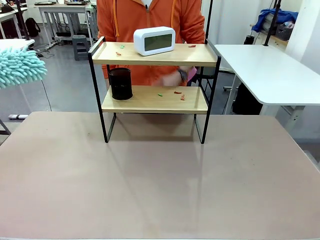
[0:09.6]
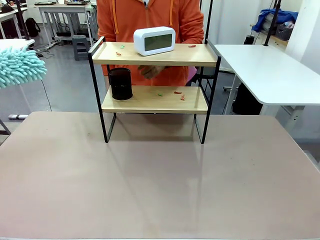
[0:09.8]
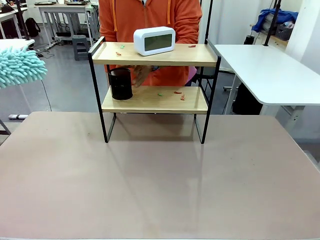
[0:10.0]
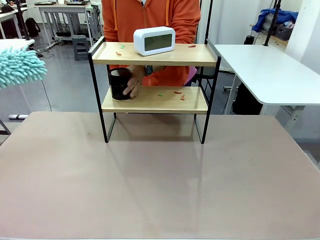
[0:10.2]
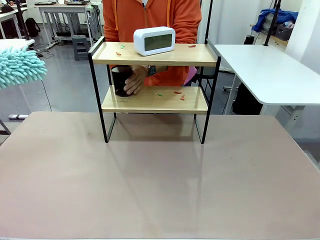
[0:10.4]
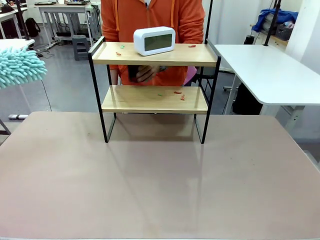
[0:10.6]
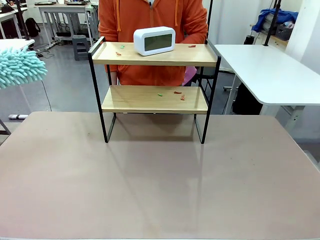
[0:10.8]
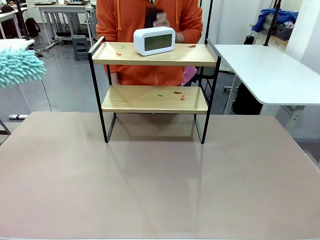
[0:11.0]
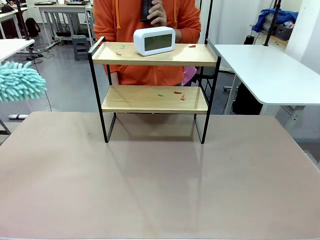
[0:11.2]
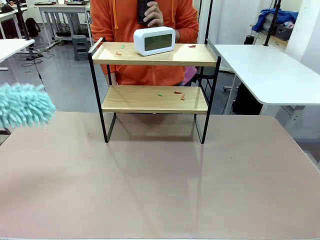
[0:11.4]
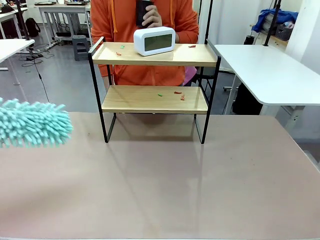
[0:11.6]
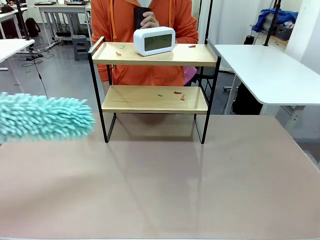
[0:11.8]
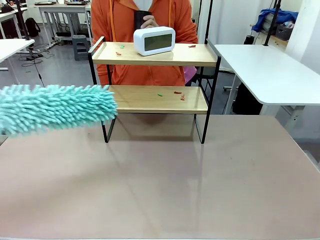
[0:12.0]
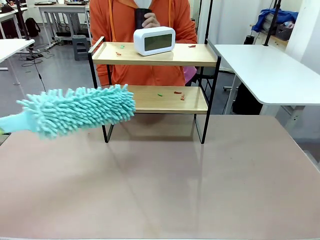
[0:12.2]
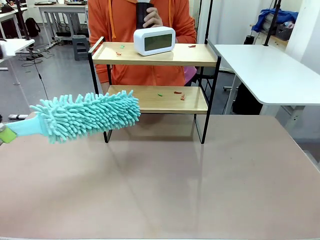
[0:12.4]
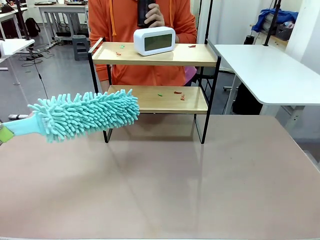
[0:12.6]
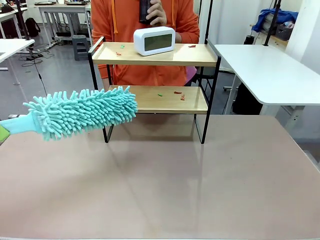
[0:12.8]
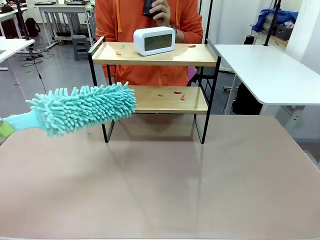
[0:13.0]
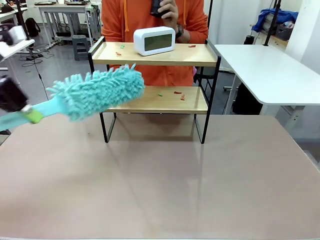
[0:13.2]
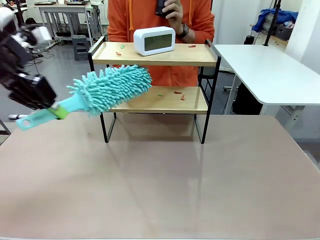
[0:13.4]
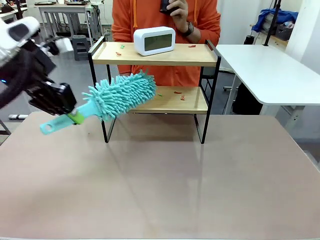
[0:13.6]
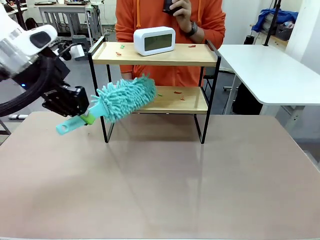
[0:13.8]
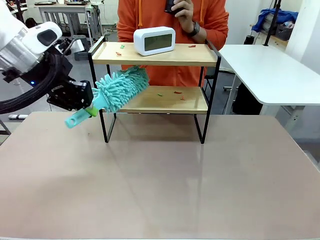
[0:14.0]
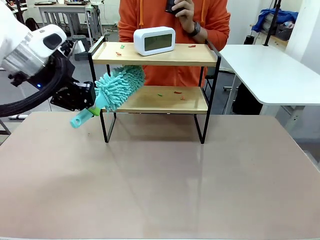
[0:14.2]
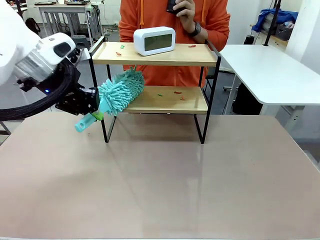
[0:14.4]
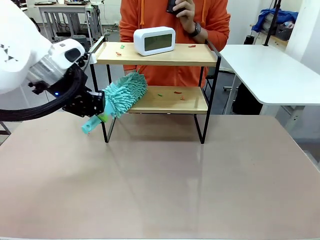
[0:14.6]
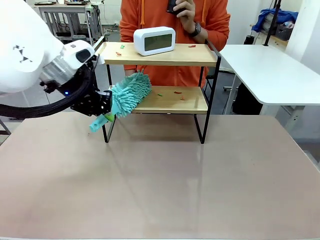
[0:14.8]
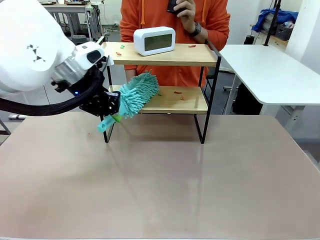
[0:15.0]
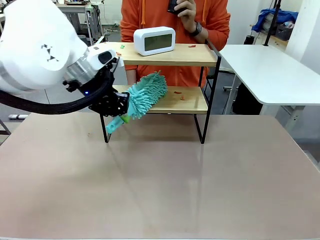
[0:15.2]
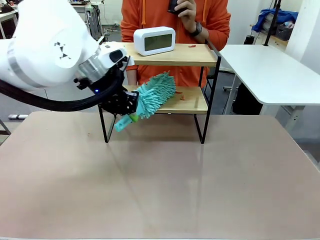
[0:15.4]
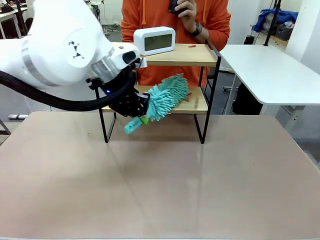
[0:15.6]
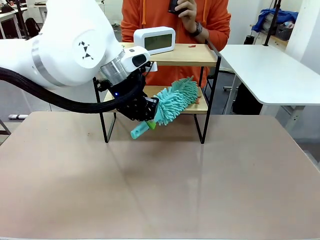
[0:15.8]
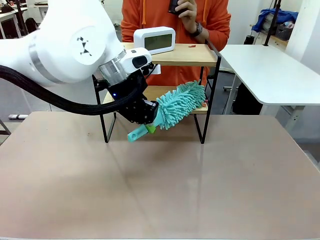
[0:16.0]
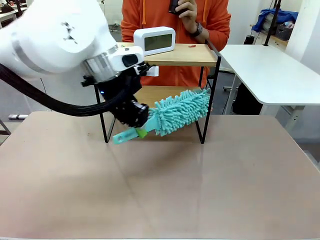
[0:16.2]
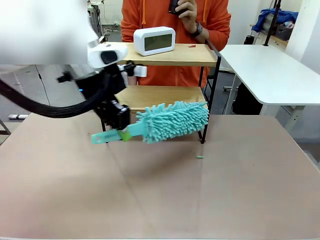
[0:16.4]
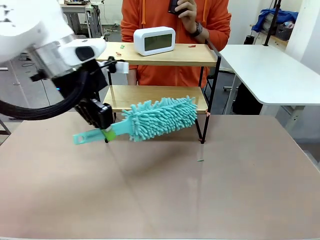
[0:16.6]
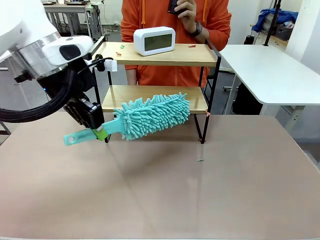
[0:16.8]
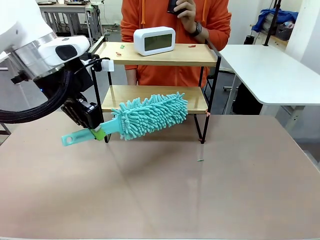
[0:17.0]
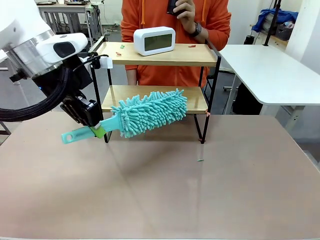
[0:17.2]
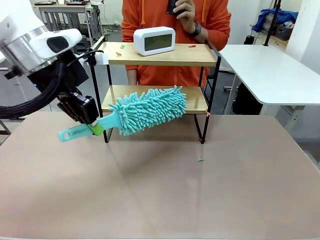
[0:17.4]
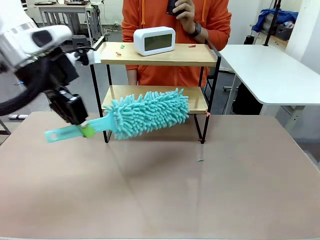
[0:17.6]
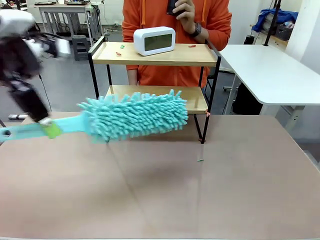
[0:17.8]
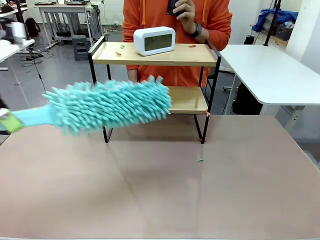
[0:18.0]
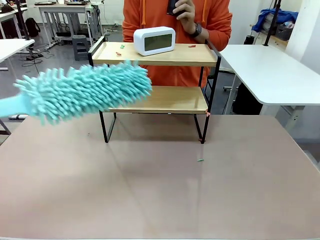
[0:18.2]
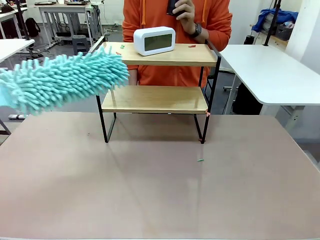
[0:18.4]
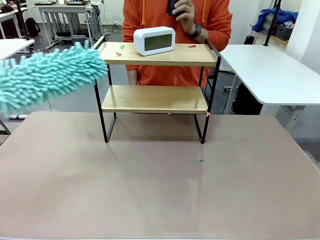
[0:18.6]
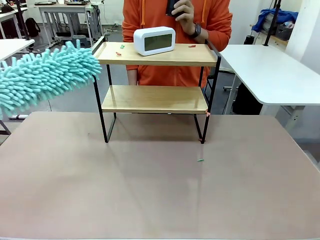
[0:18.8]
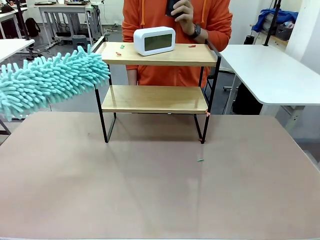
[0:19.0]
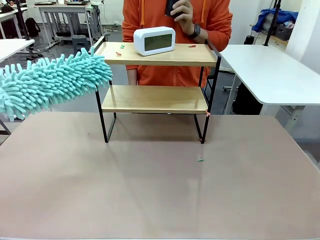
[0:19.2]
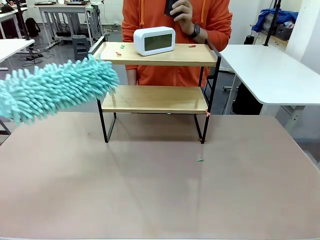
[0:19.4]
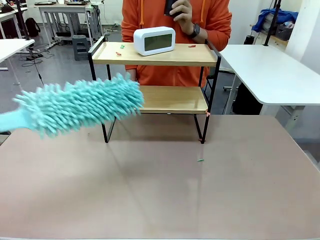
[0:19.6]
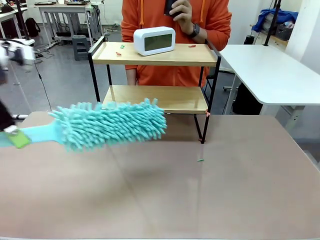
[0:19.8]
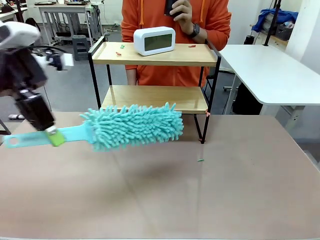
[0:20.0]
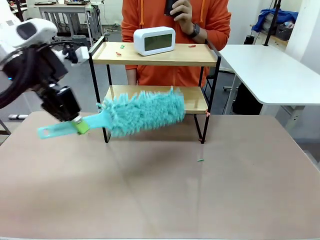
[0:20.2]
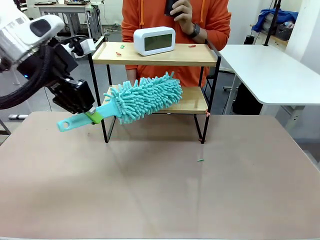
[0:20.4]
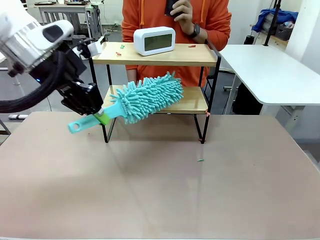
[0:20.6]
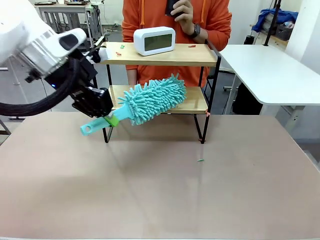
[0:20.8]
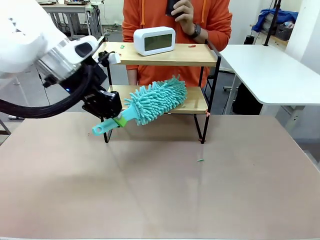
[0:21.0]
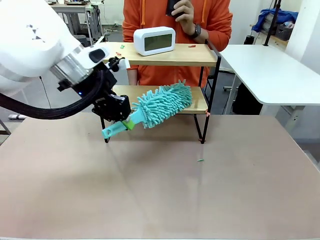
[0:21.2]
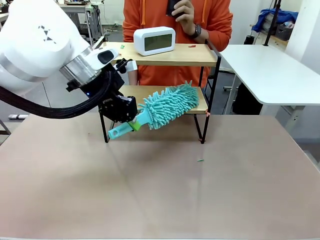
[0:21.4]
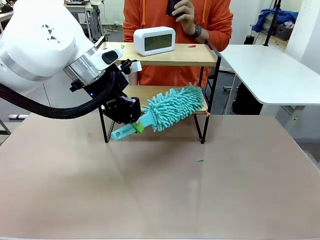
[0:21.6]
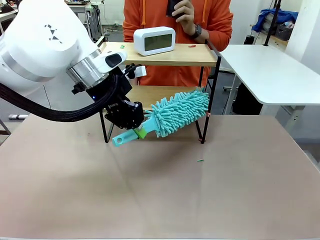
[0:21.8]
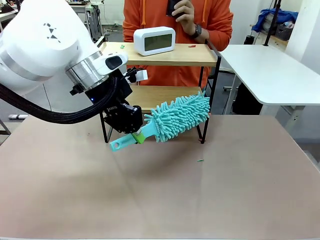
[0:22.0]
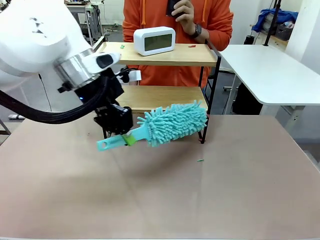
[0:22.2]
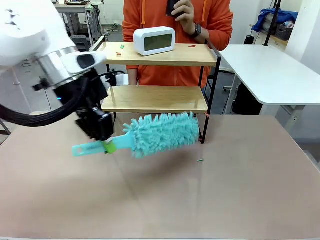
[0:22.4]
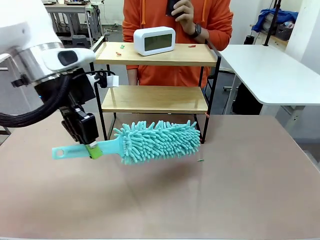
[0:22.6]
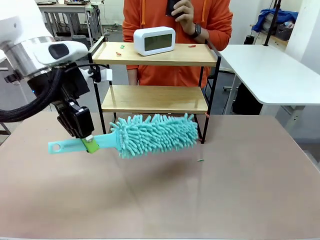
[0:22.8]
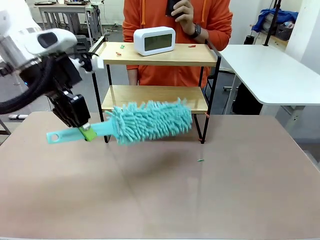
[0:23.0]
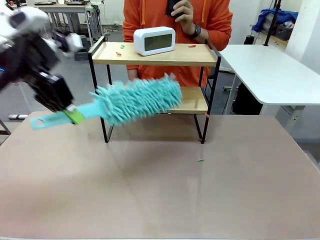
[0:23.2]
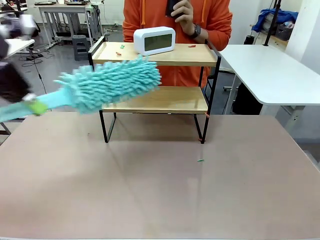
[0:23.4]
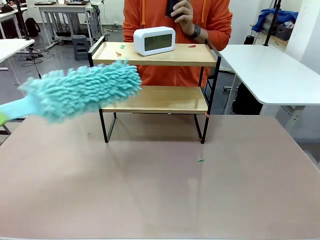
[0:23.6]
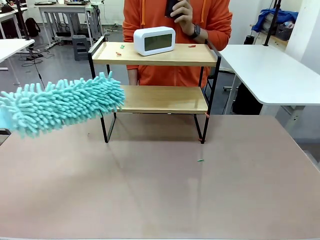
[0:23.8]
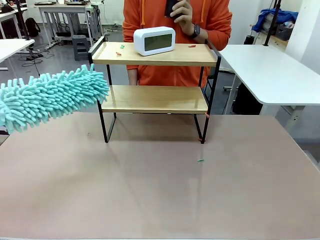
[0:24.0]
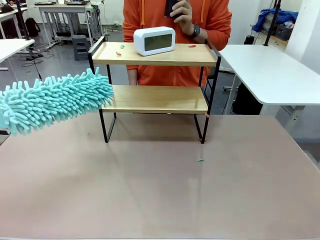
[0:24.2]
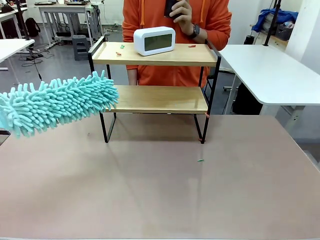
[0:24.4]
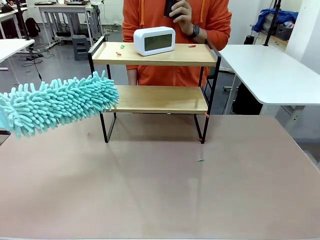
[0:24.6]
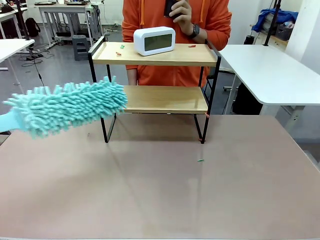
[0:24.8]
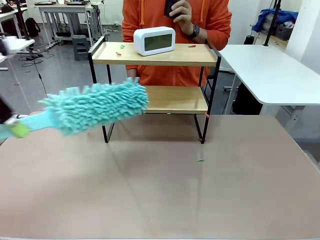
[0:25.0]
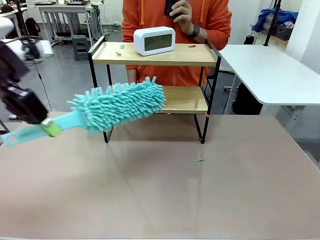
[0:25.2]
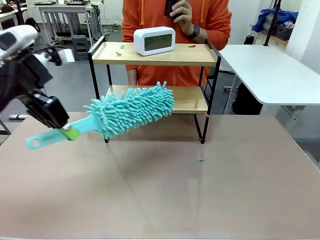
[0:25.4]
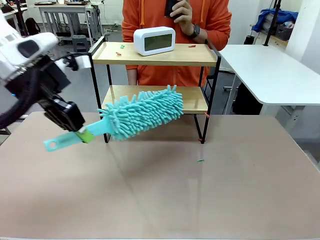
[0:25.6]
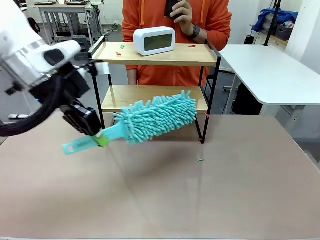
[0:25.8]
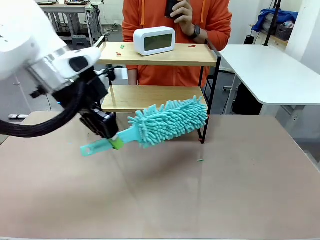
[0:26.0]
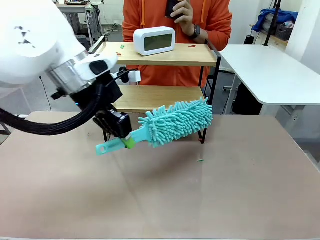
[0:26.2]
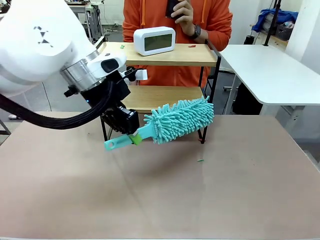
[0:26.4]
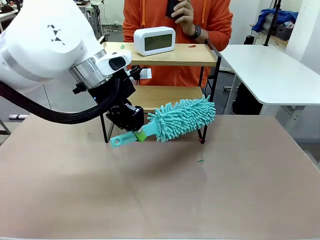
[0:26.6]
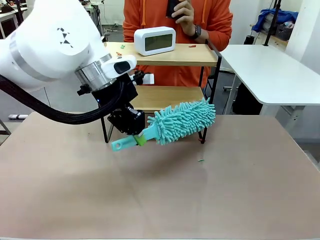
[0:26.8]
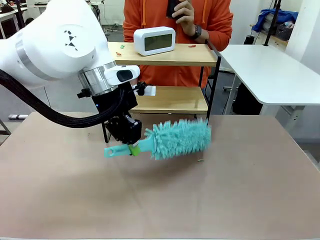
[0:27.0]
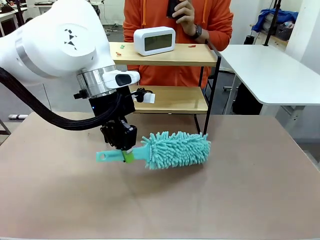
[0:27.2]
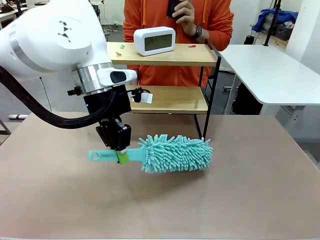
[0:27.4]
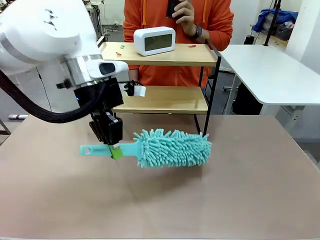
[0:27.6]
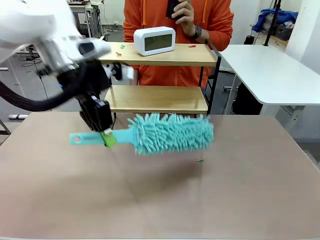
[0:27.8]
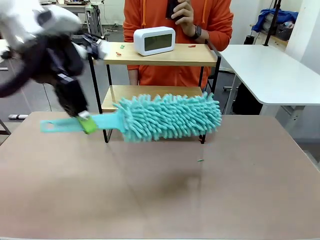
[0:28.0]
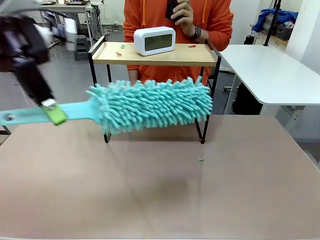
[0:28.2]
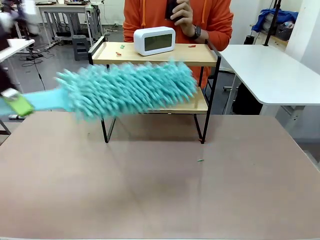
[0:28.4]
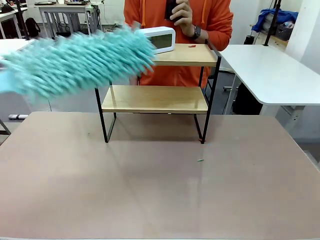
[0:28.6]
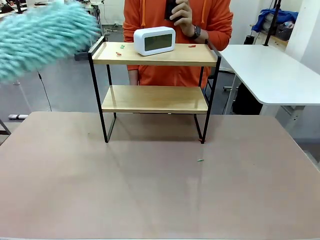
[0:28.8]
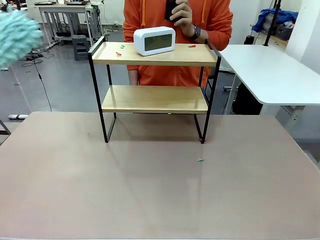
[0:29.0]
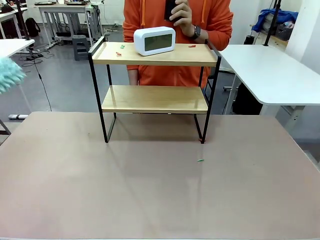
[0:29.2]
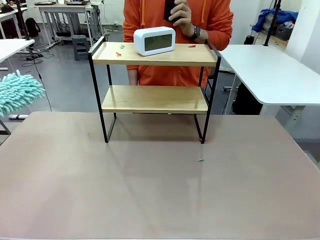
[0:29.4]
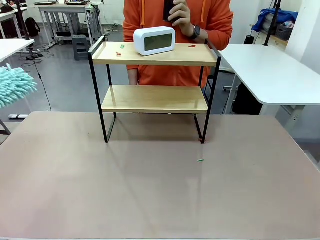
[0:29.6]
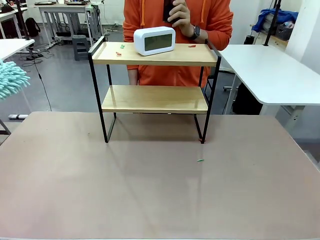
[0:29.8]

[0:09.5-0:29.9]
Task: Clean the shelf.
Robot: Clean the specific tier of the Shelf with the Duster once objects are removed.
Person: Lift the objects on a randomly selected tier of the Shelf. Once the robot finishes cleaning, lift the objects on the remaining tiers of the Shelf.
